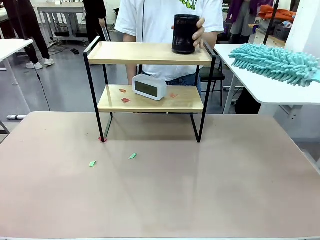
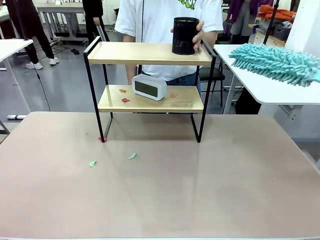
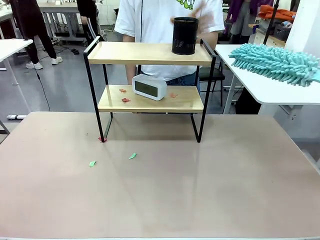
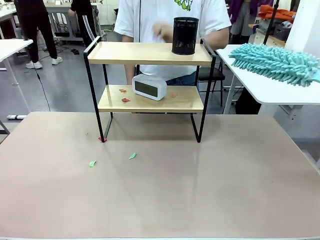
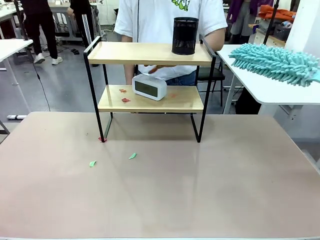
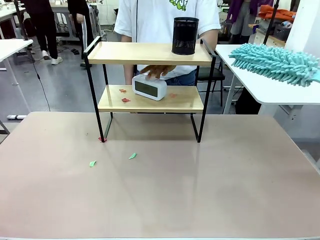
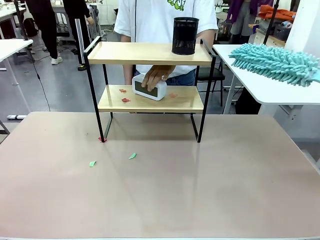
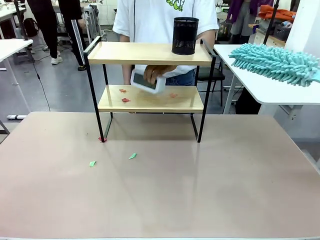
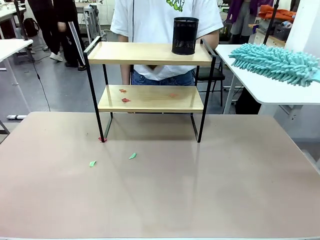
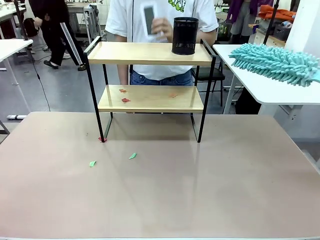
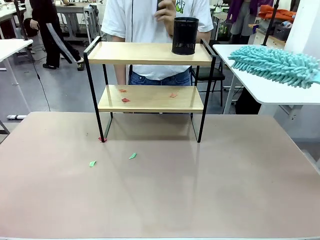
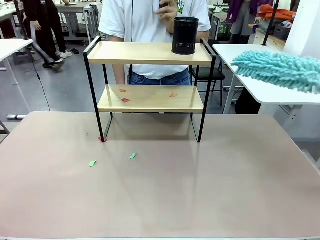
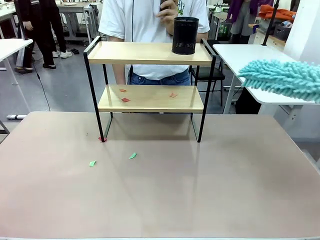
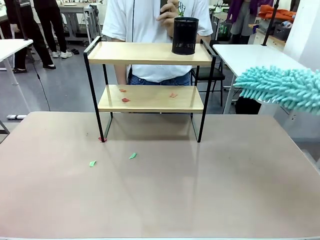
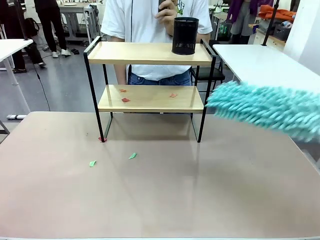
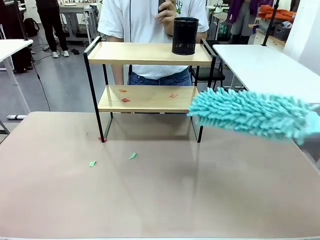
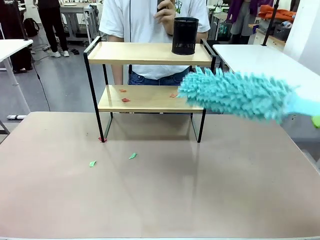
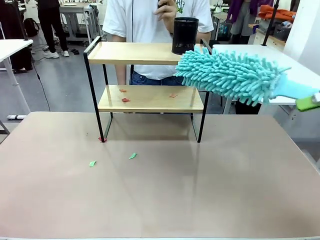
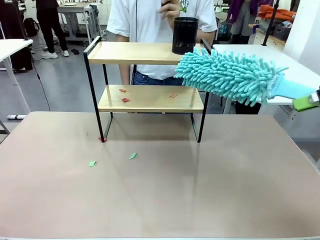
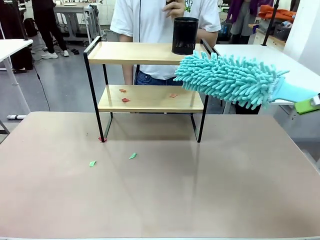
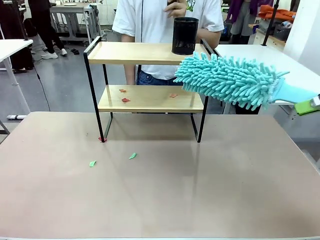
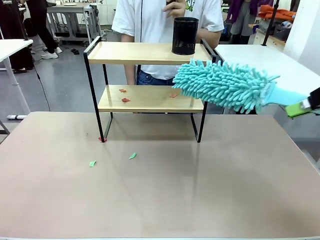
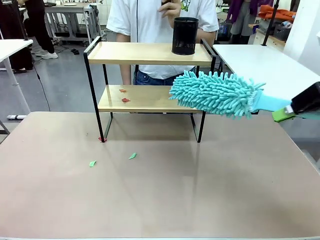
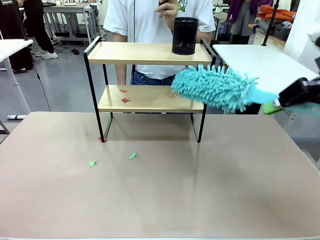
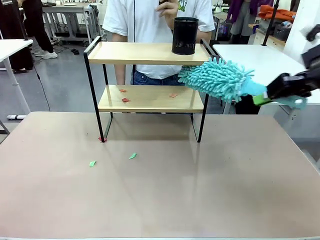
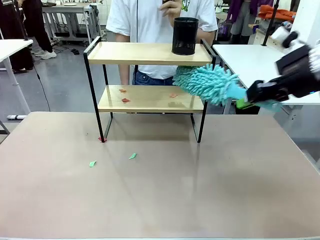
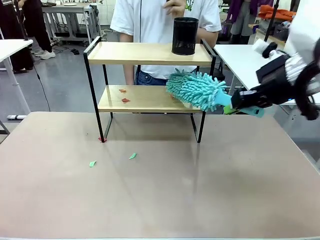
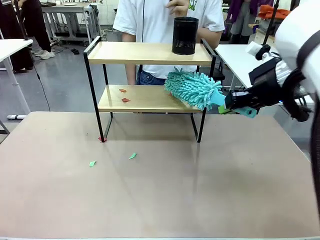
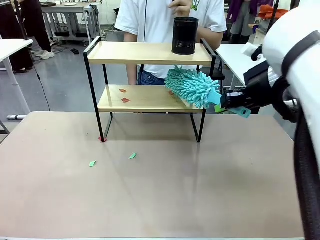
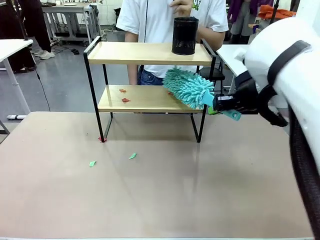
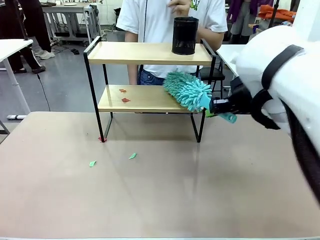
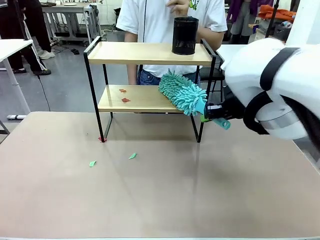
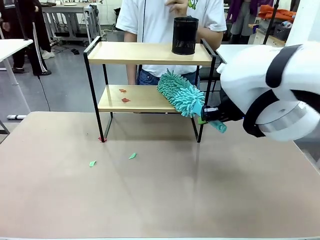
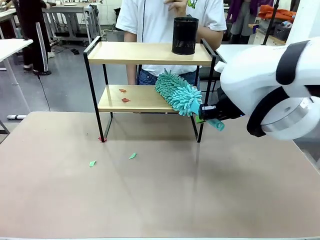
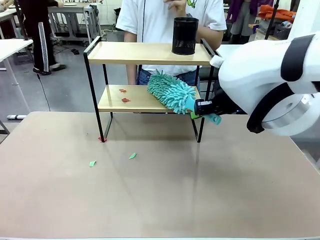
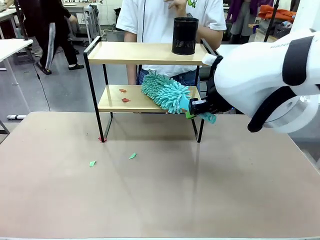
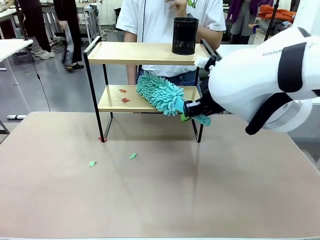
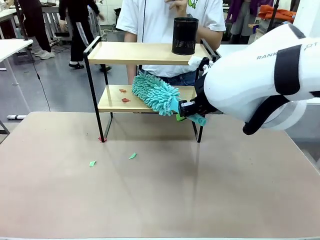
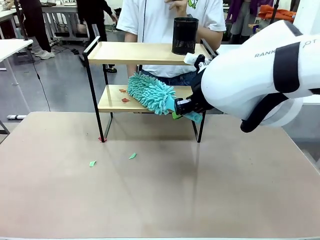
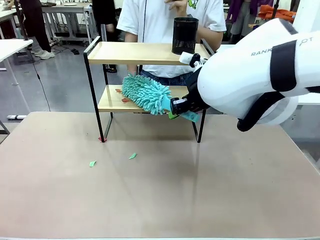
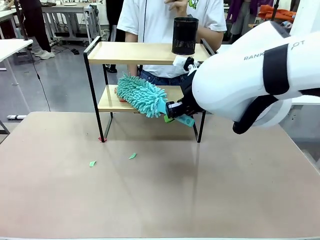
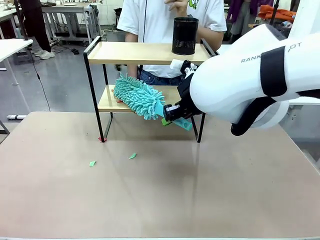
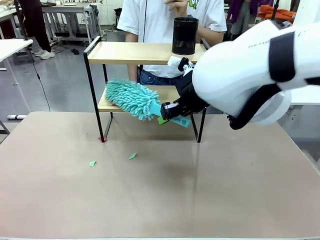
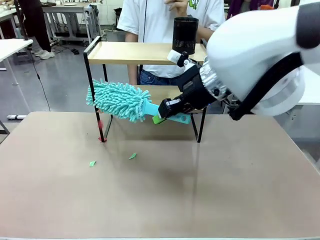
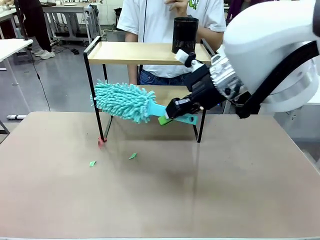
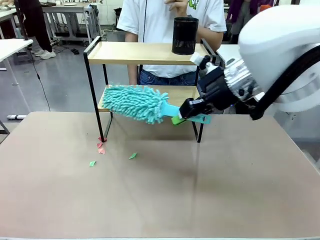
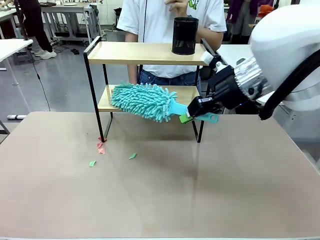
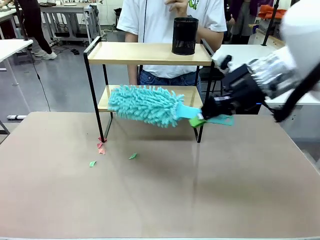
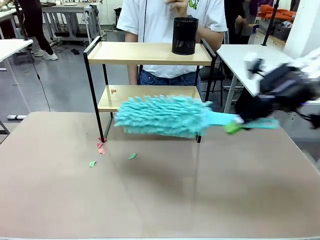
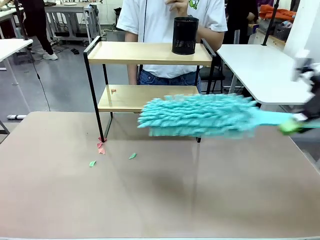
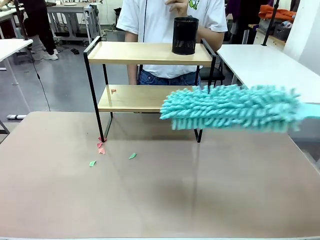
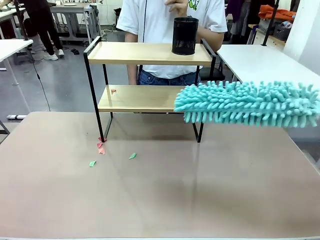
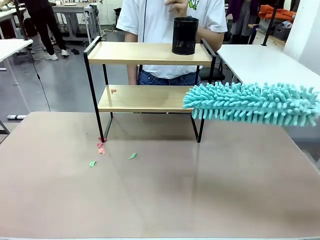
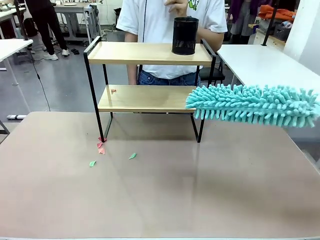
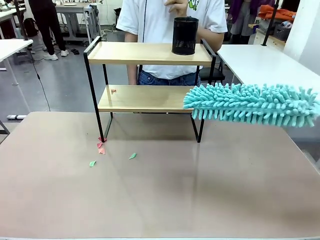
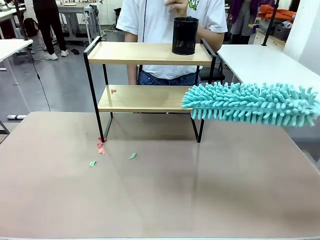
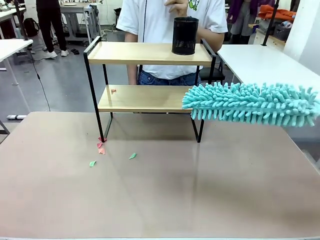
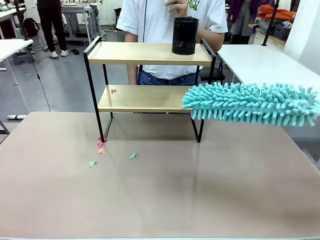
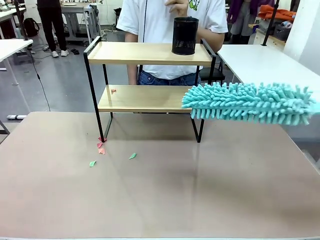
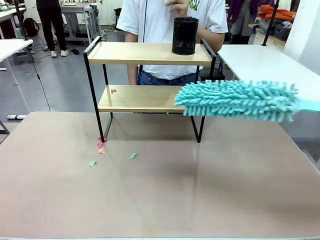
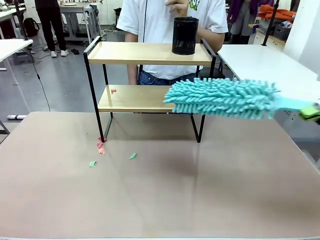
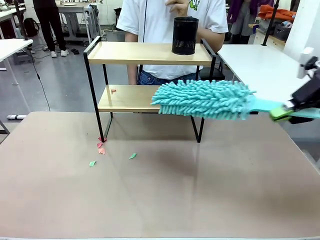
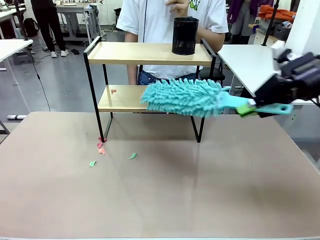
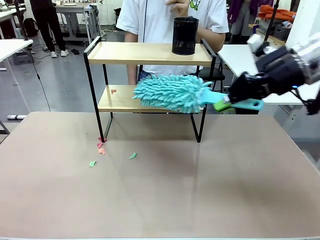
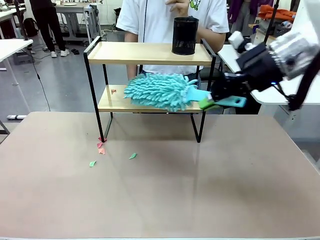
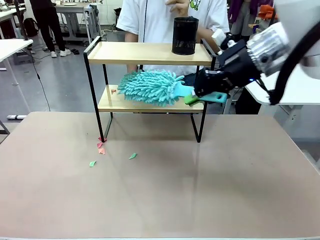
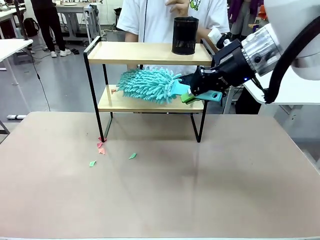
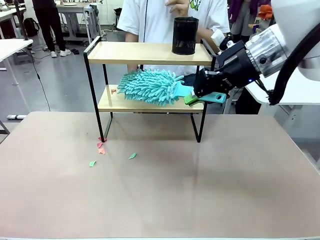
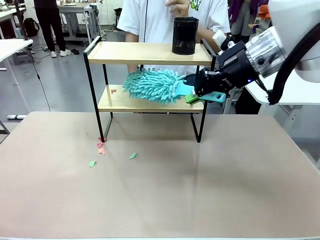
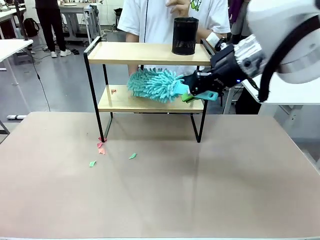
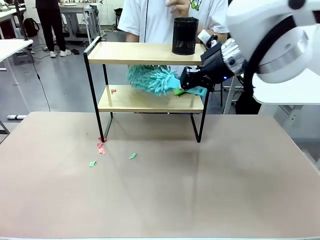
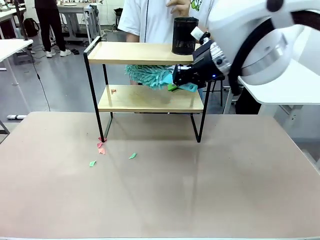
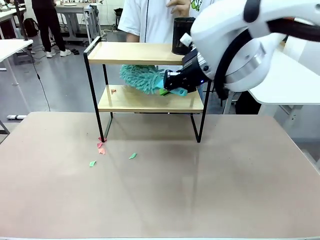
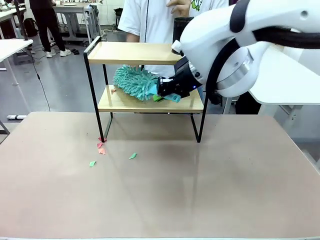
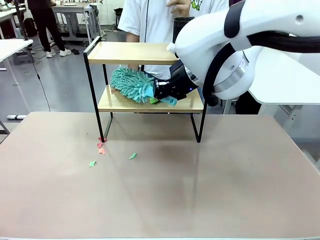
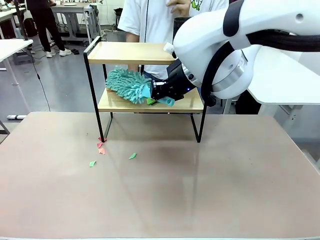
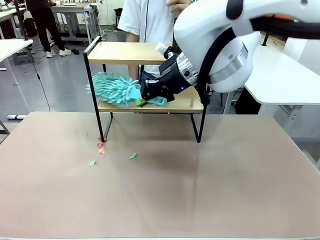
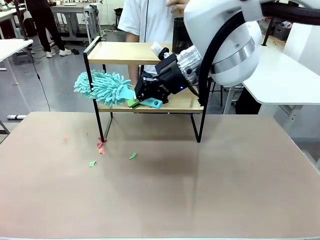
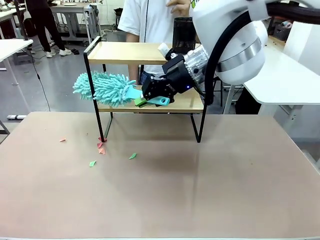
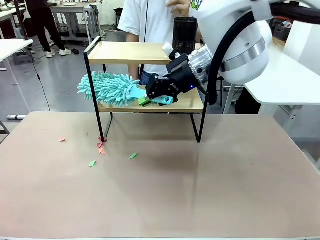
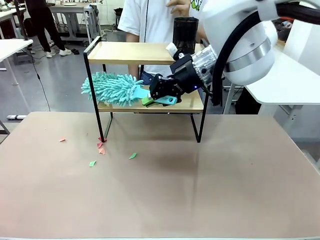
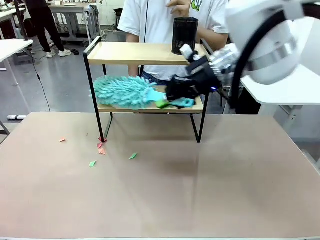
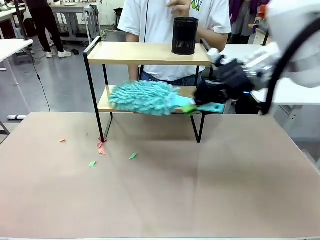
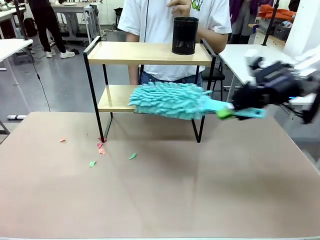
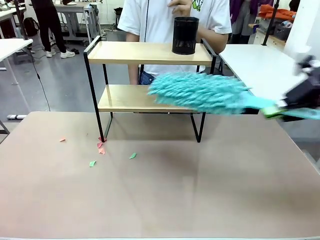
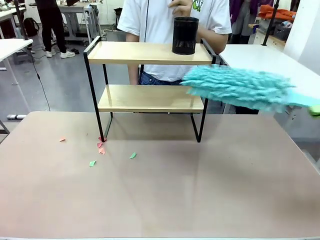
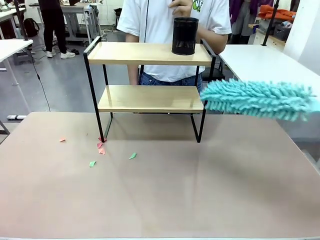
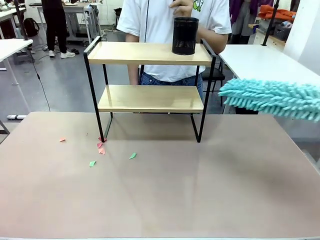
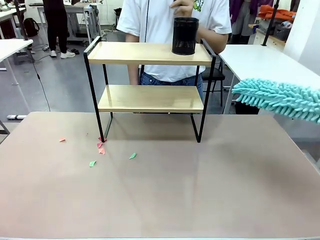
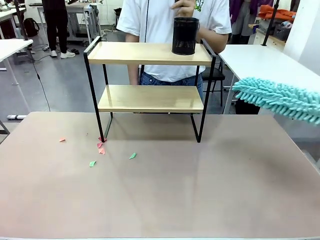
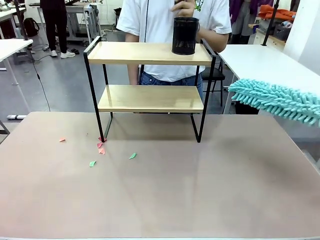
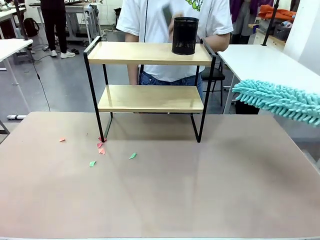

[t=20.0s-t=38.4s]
Task: Clean the shelf.
Robot: Clean the remaining tier of the Shelf with the Duster once objects are removed.
Person: Receive the Duster from the robot.
